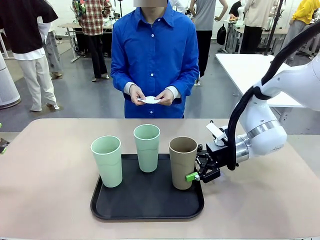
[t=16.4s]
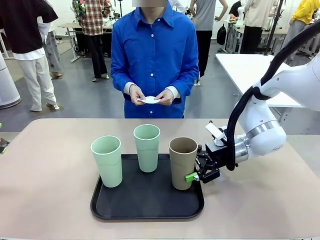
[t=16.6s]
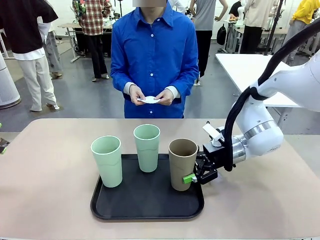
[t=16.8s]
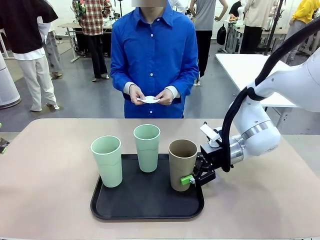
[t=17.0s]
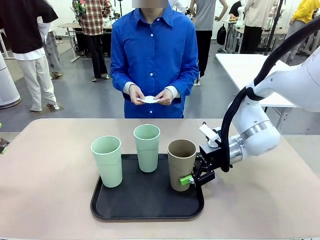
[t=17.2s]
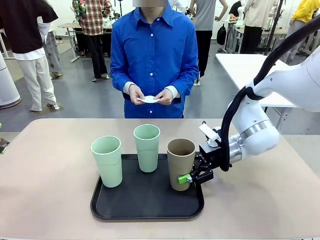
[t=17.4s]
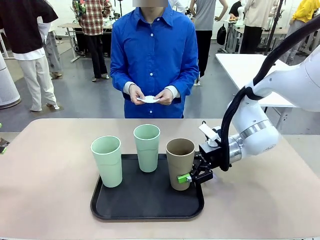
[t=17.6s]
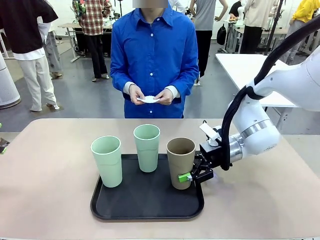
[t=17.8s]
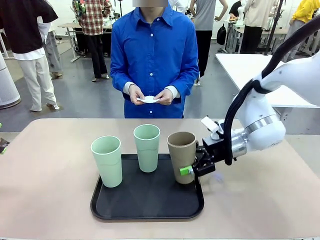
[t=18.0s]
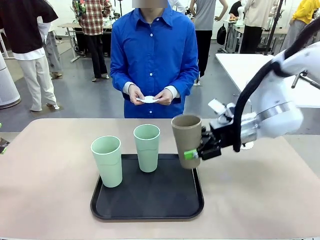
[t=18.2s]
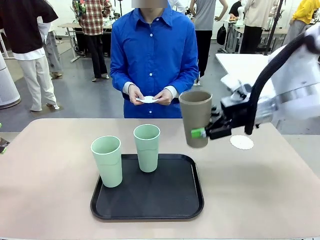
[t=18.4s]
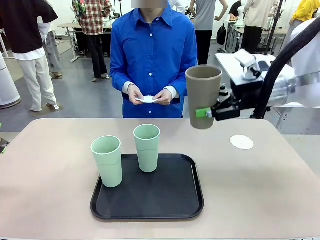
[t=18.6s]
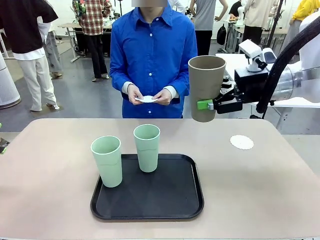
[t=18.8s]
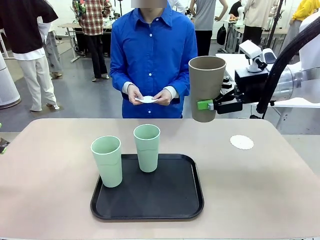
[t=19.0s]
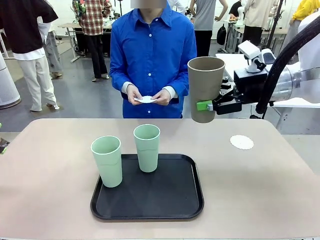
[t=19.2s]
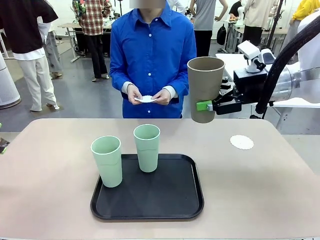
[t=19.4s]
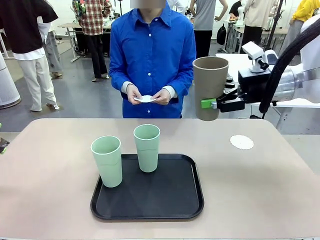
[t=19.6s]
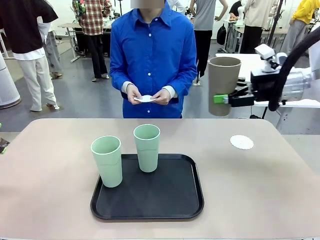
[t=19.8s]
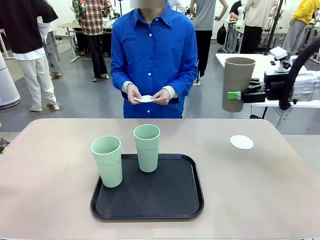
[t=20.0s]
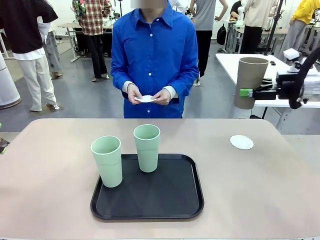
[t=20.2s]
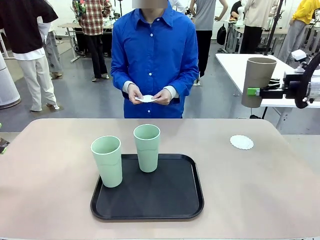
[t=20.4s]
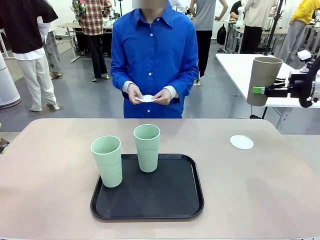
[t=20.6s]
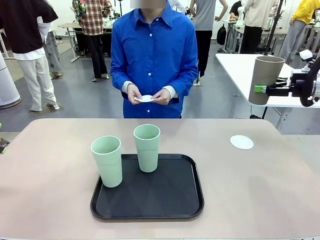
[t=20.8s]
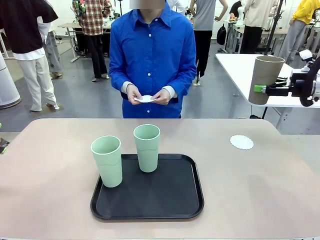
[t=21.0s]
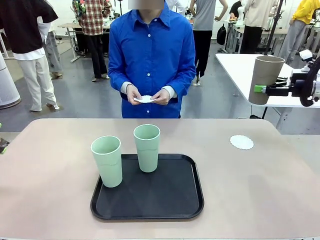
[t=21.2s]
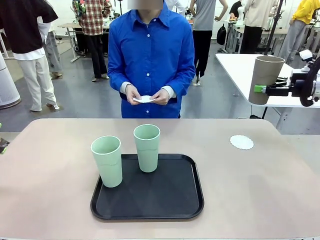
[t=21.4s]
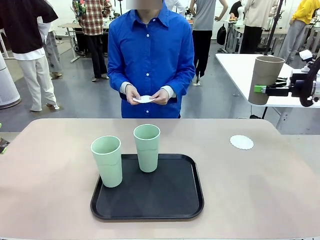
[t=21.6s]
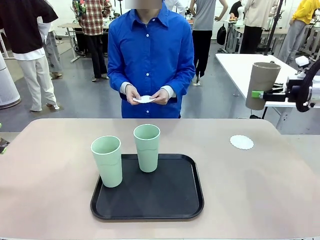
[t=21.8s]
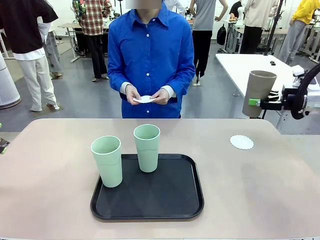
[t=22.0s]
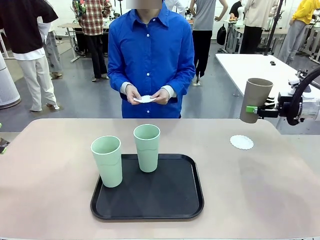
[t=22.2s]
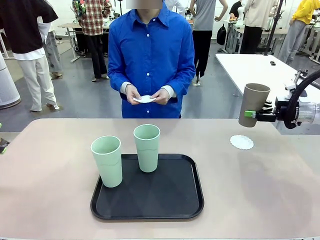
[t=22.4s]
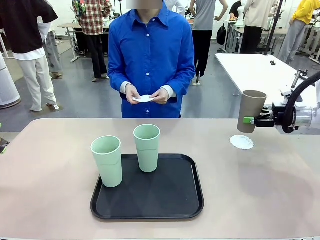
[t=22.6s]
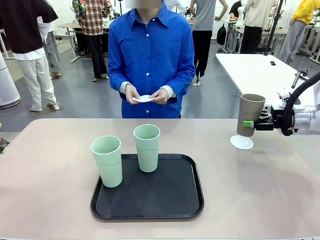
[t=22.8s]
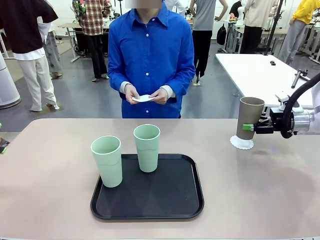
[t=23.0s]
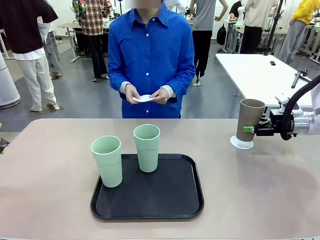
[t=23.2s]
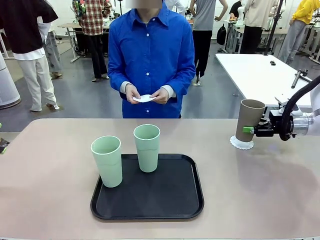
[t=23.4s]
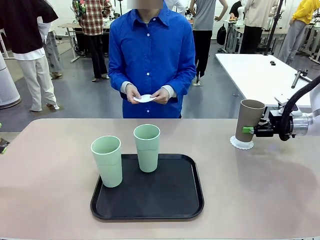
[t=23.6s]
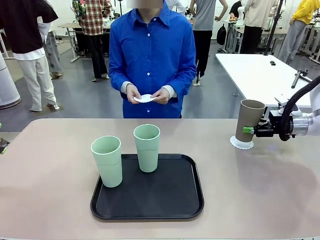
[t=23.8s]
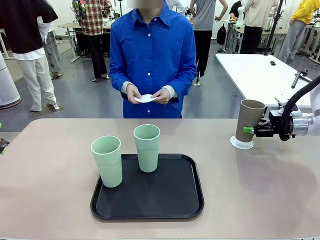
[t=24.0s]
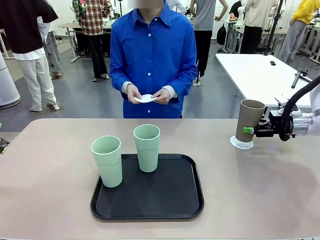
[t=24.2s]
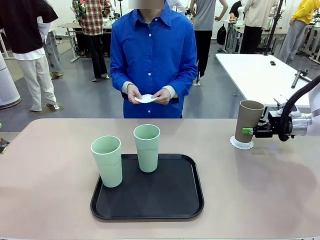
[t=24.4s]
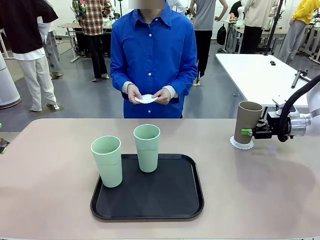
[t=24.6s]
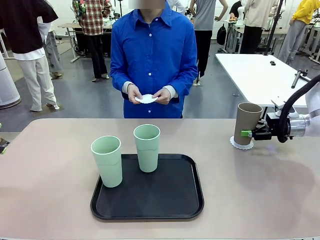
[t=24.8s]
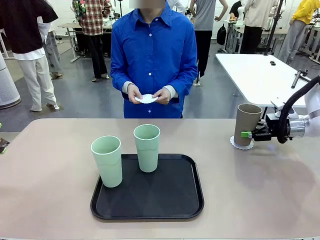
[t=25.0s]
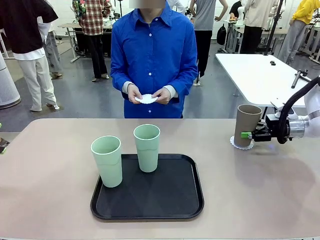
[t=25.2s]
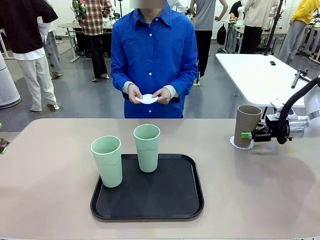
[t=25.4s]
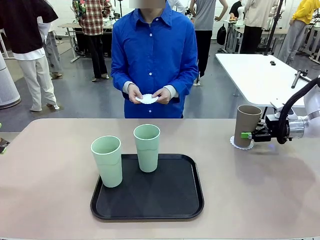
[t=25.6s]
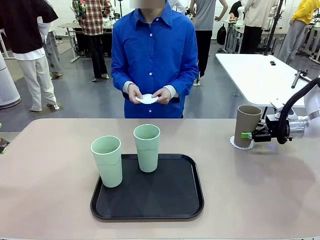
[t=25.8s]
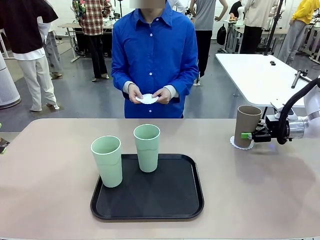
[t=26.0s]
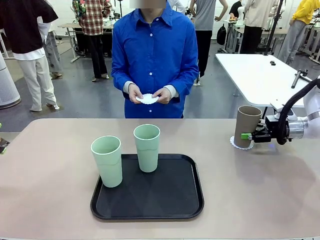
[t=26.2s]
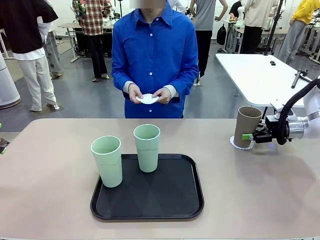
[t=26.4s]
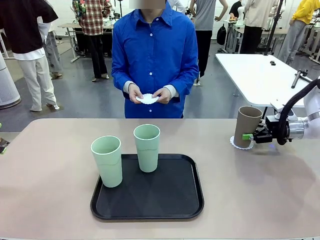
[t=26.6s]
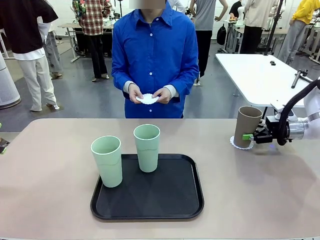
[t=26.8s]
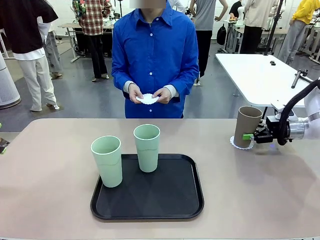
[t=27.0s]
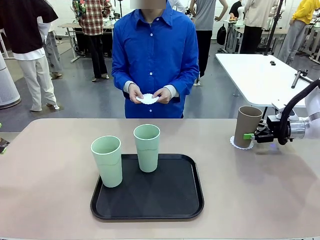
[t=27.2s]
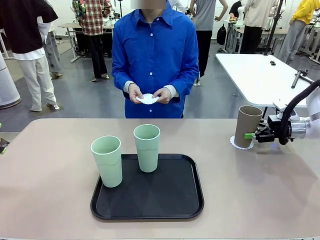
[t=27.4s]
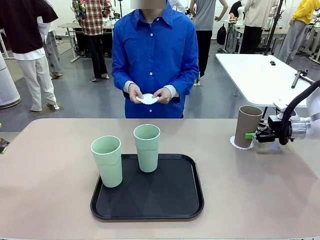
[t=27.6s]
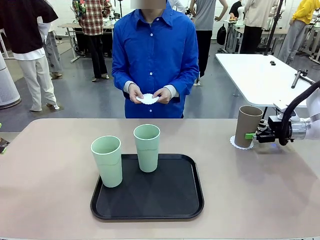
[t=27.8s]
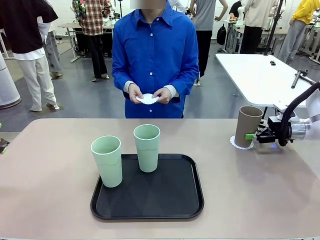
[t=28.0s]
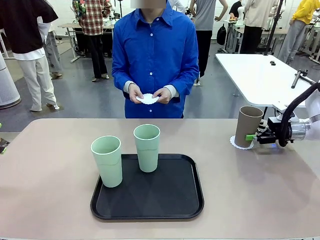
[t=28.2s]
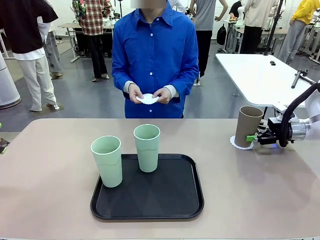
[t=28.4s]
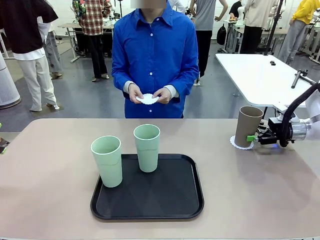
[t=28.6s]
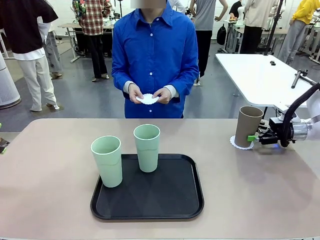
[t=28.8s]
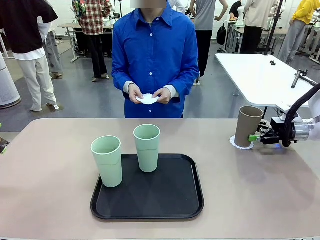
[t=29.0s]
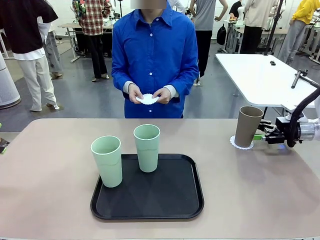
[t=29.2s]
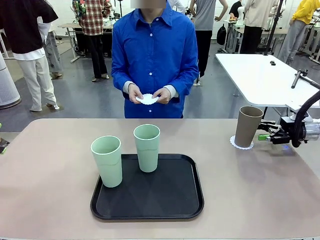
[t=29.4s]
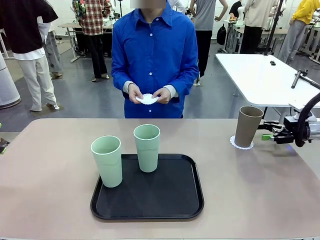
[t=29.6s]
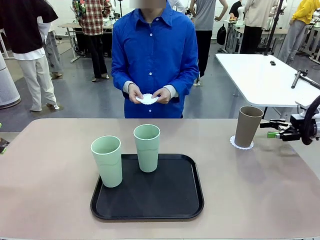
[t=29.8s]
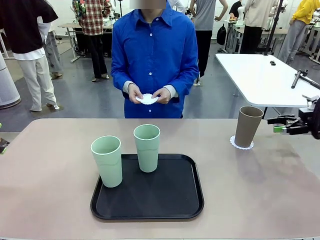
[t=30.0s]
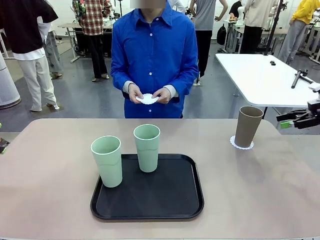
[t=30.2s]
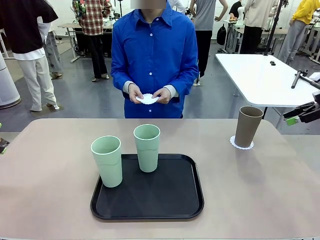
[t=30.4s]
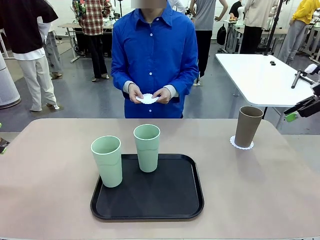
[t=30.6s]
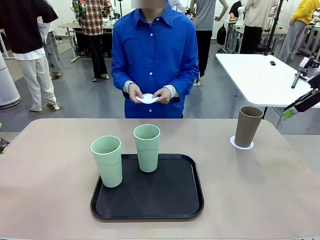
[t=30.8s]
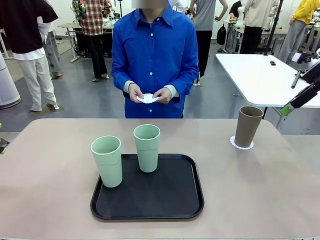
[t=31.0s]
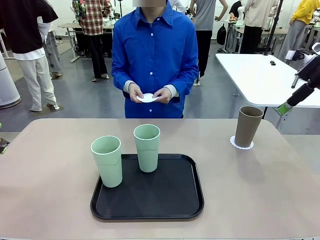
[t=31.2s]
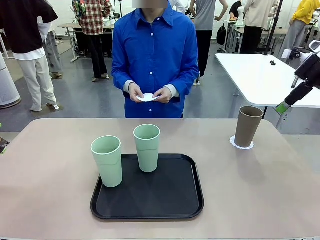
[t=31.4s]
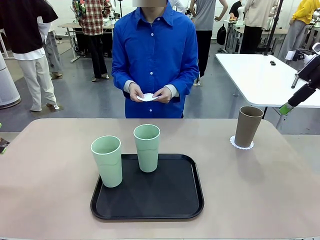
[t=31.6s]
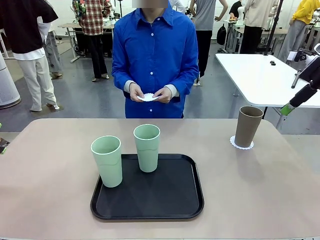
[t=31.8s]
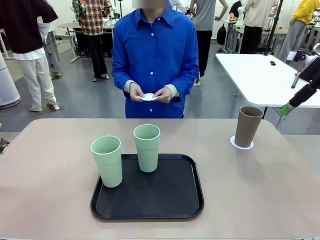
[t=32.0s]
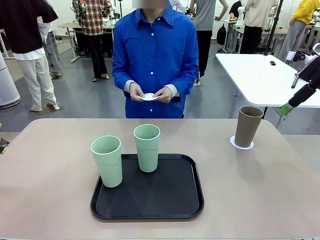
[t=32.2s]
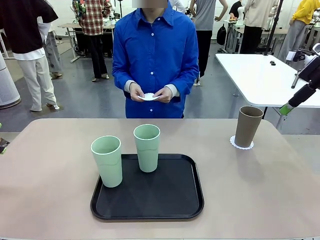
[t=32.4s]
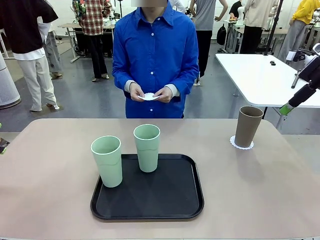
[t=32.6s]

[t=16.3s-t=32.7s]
Task: Place coasters on the table and set cups on them.
Robot: Pick up one Reusable plastic cup and place it on a coaster set by the human.
Person: Place one coaster in one of the two areas excluding the previously selected area.
